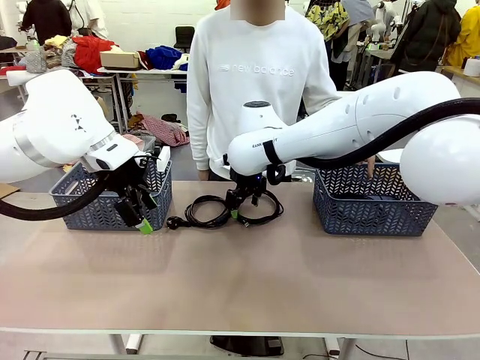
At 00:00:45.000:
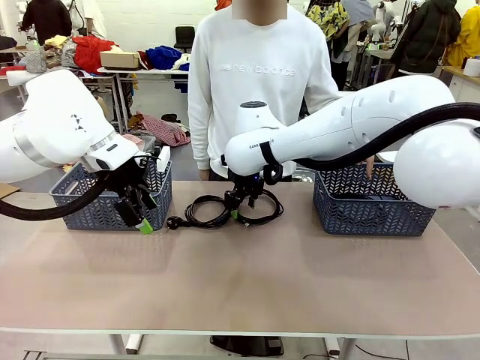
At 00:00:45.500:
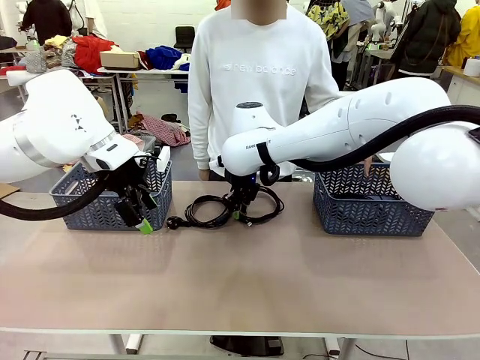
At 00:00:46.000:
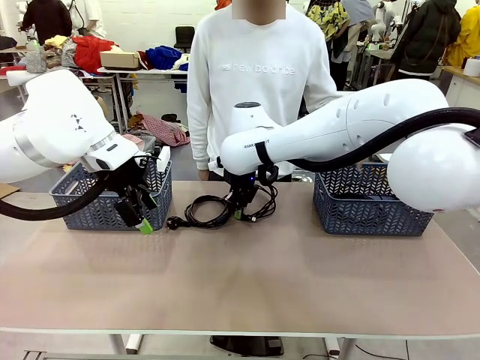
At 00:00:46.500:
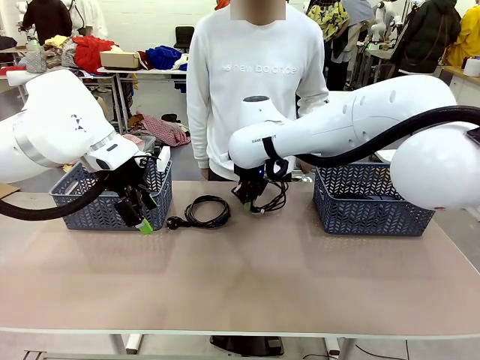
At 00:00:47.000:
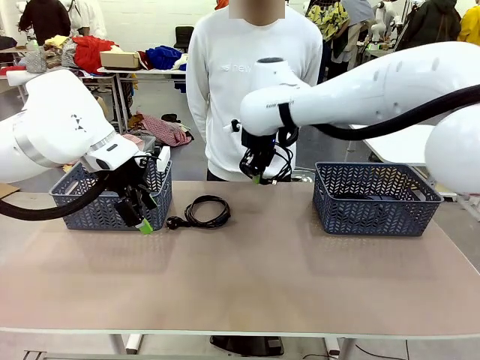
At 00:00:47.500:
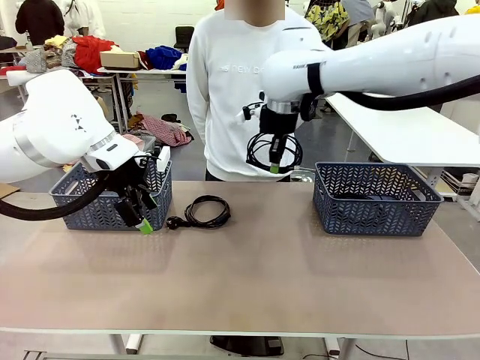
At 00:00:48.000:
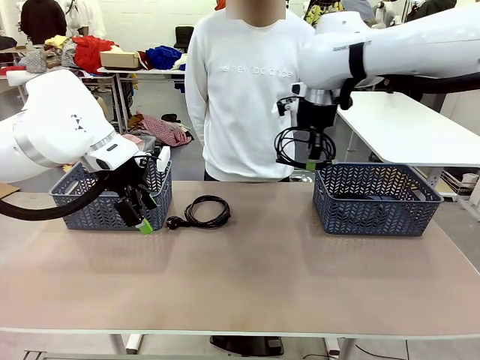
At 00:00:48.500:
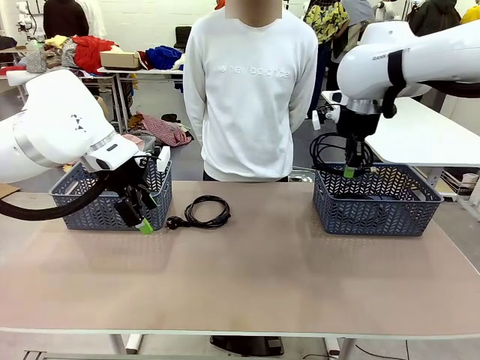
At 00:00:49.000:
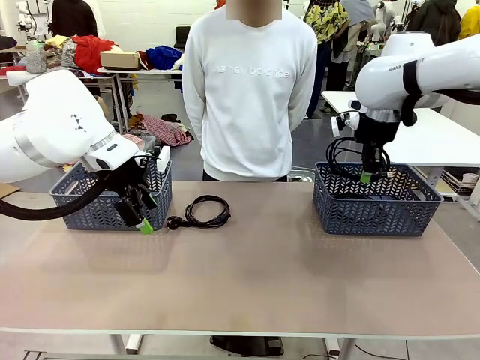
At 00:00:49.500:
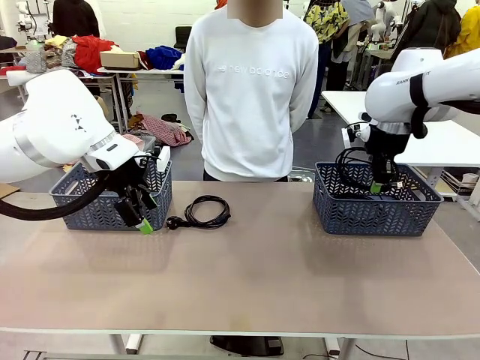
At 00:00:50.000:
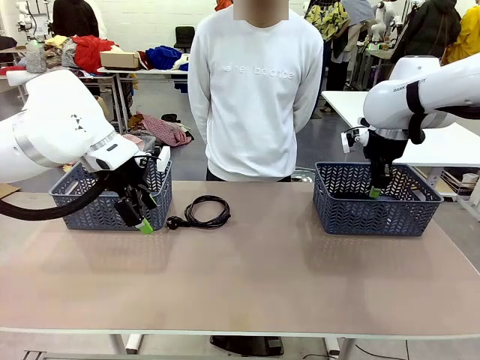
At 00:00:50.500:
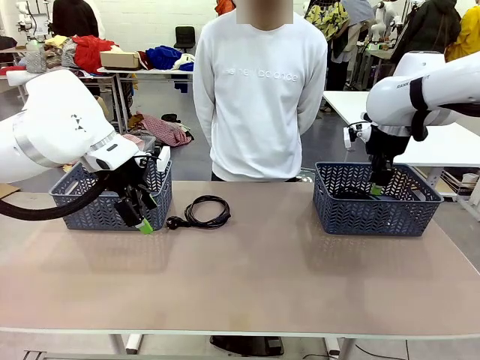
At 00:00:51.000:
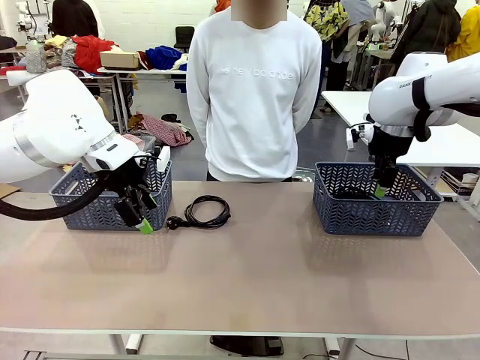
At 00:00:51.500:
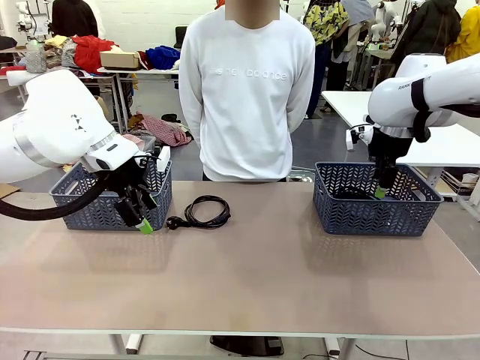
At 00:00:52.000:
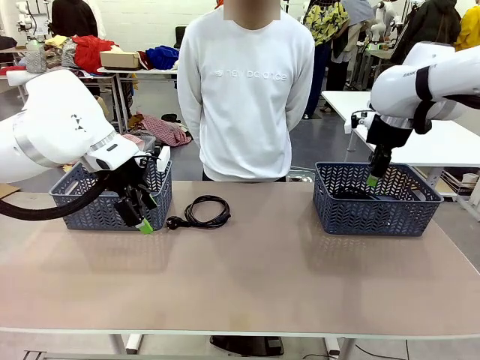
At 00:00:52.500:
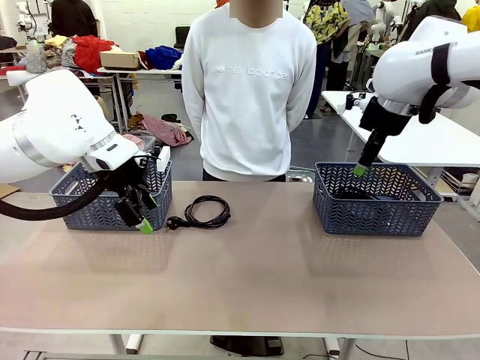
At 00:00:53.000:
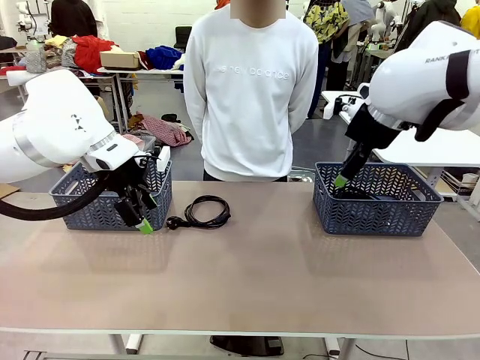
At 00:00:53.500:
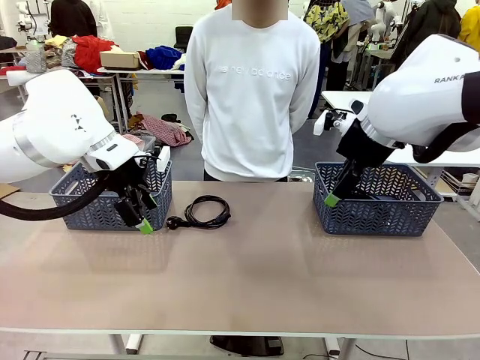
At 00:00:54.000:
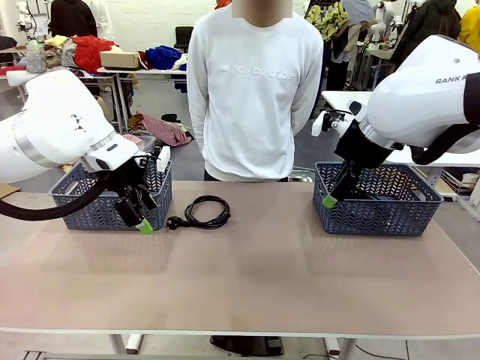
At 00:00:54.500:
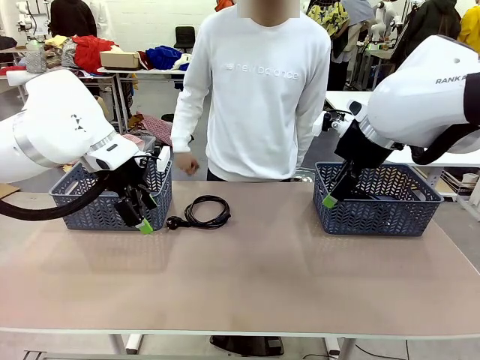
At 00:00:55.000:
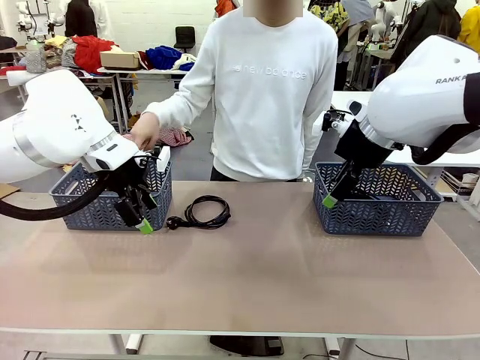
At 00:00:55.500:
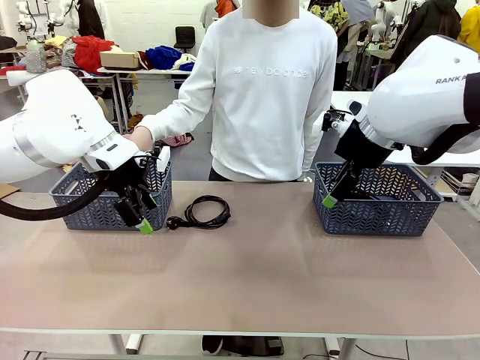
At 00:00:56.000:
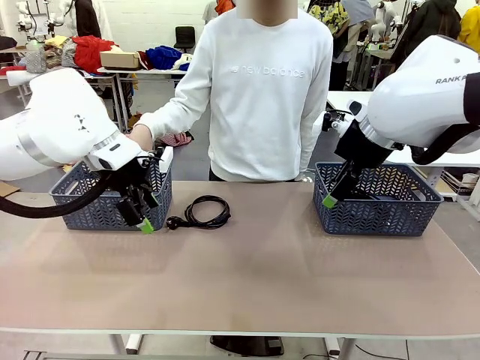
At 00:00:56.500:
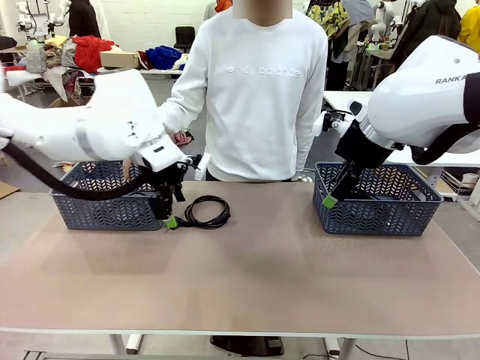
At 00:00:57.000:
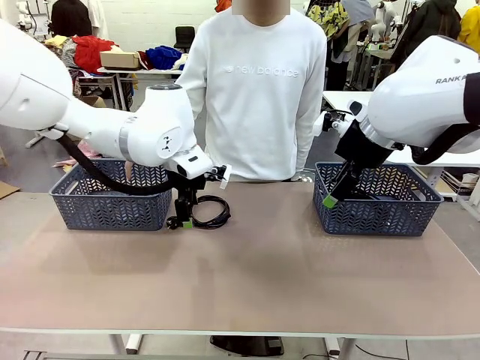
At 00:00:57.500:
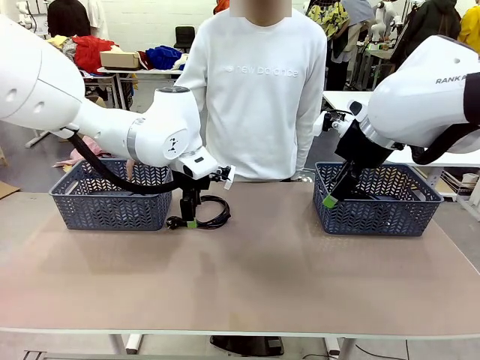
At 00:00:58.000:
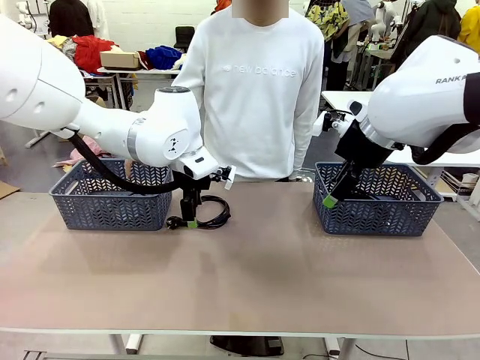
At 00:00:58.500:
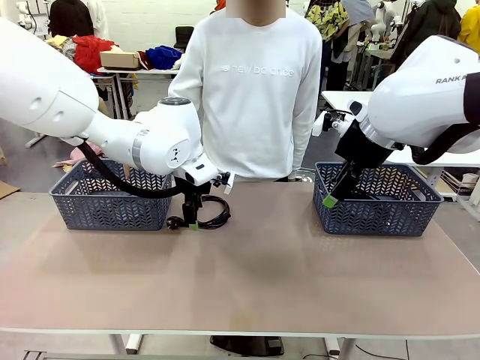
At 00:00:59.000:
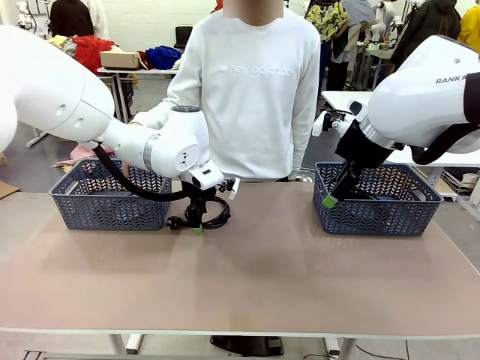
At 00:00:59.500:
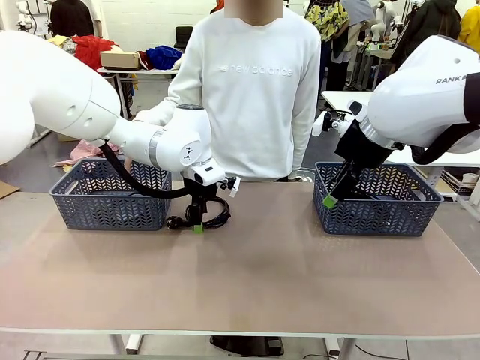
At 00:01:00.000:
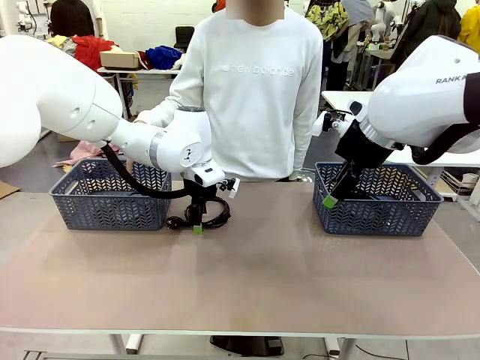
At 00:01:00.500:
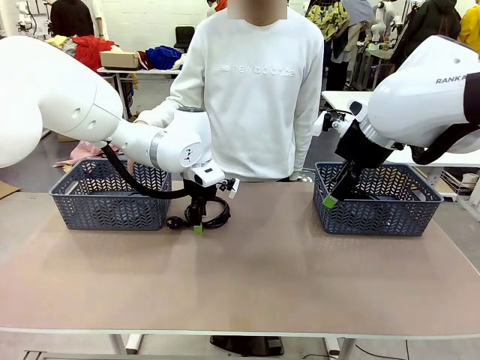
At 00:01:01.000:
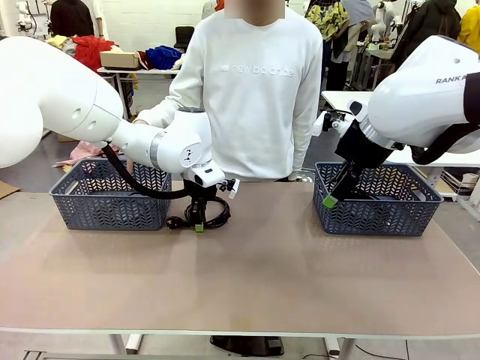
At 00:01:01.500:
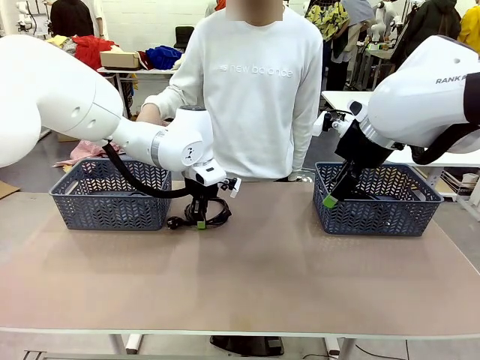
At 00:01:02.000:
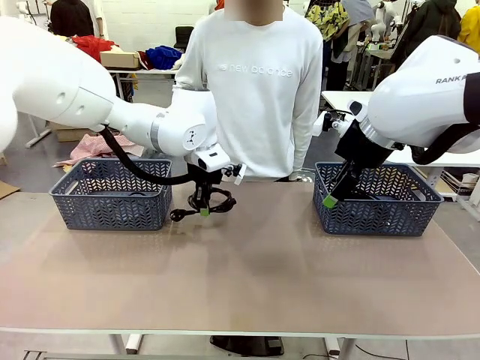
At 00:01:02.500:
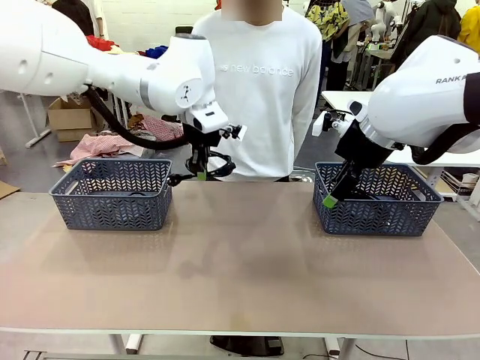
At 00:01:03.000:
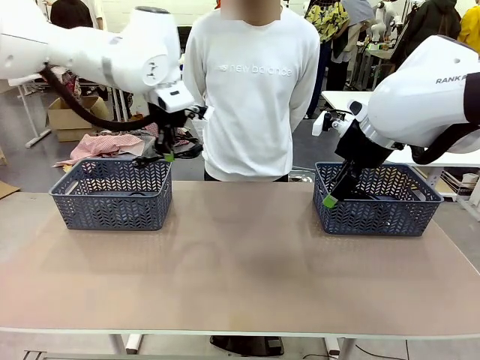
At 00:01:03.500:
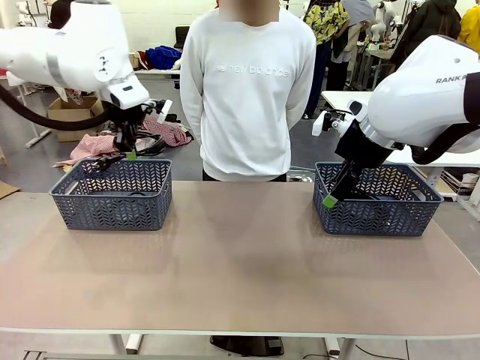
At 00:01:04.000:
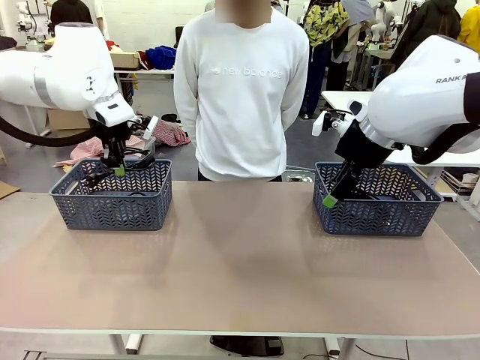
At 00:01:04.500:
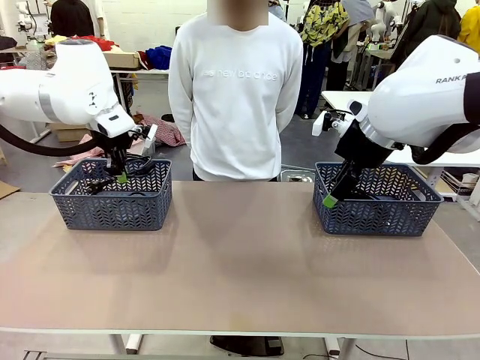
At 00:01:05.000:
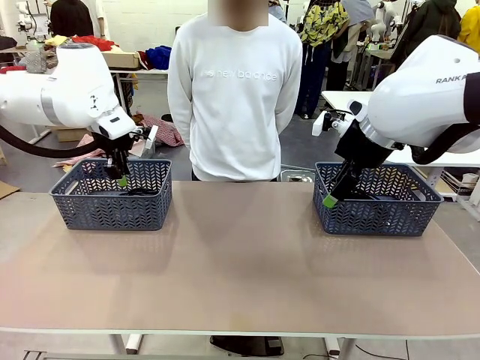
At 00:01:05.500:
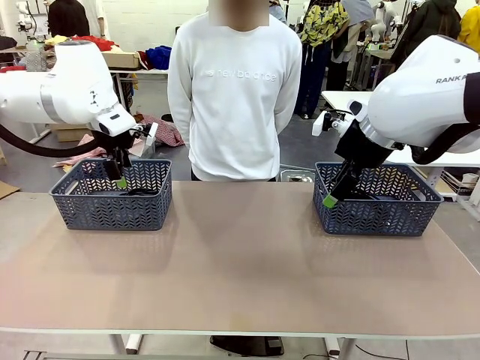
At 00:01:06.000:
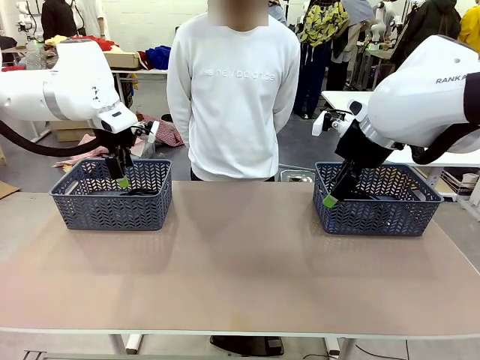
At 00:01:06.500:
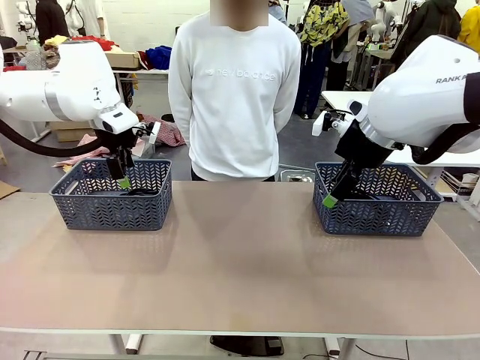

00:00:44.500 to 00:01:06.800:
Task: Organize the cables according to human instructions.
Robot: Pick up a bundle of cables and place it in the basket indicated by the human.
